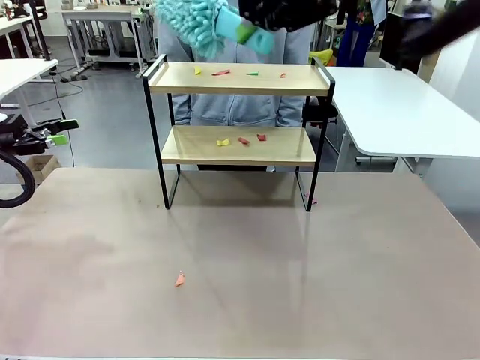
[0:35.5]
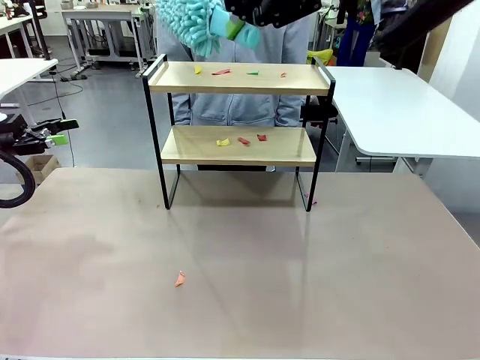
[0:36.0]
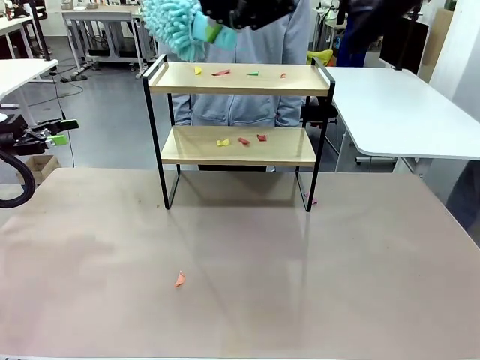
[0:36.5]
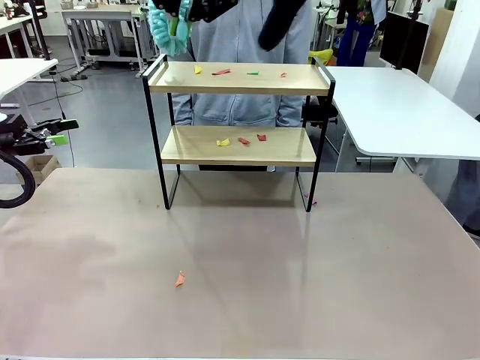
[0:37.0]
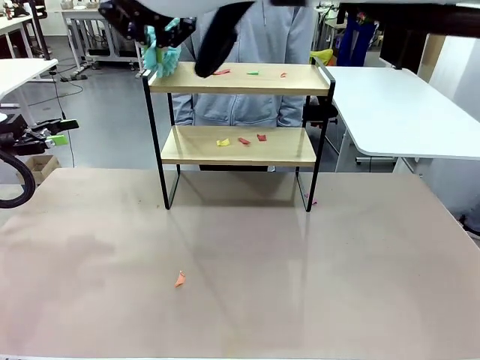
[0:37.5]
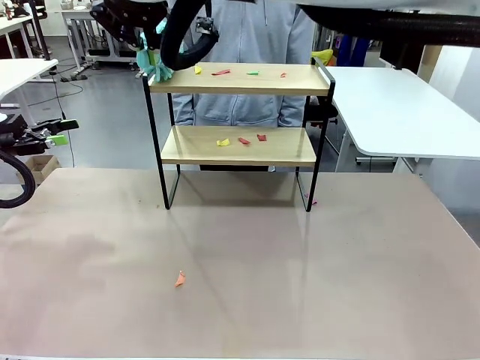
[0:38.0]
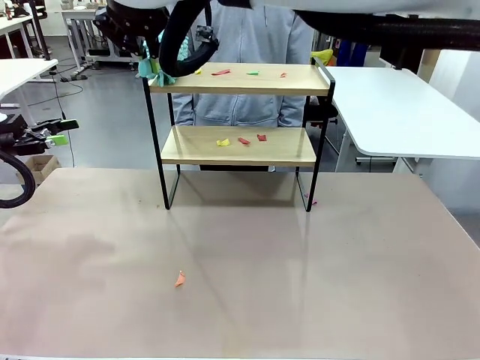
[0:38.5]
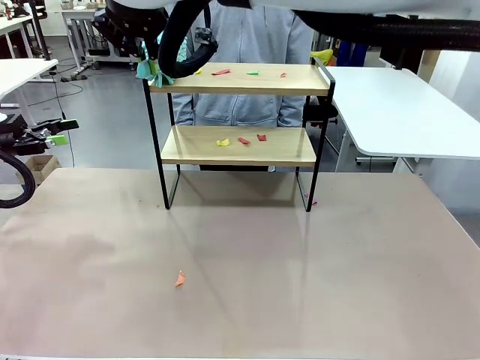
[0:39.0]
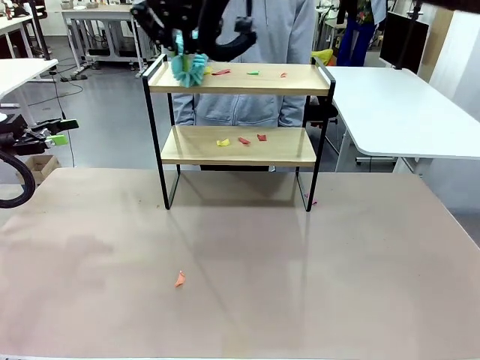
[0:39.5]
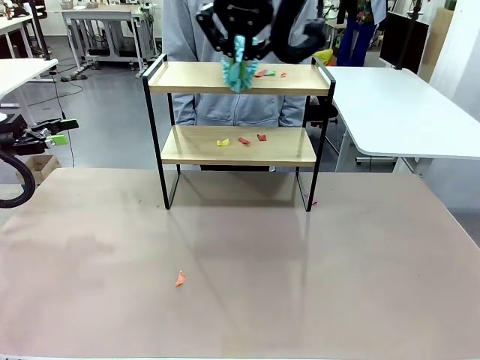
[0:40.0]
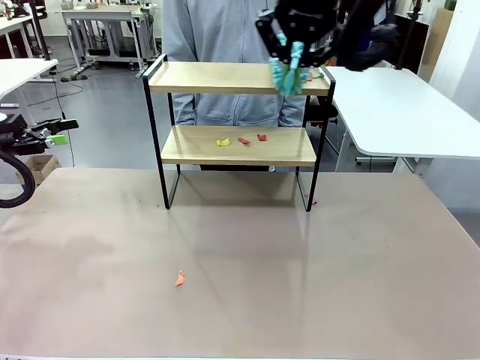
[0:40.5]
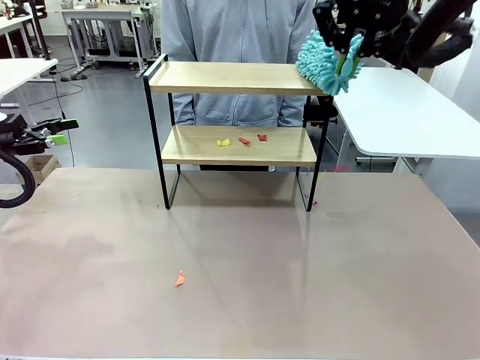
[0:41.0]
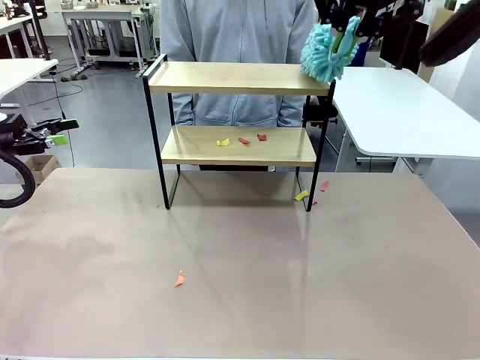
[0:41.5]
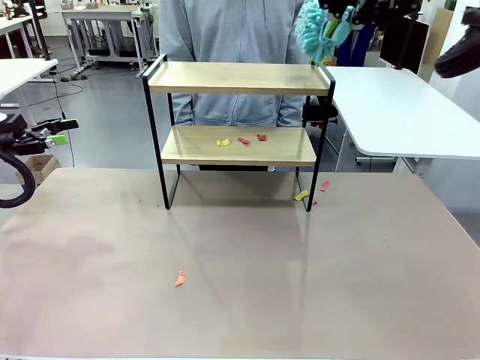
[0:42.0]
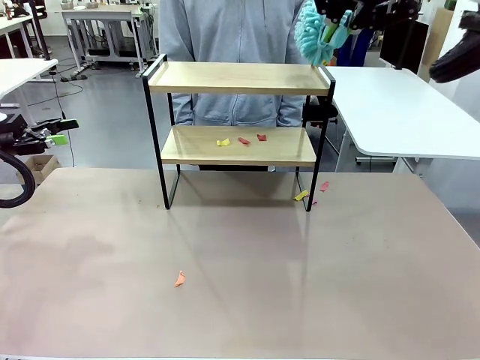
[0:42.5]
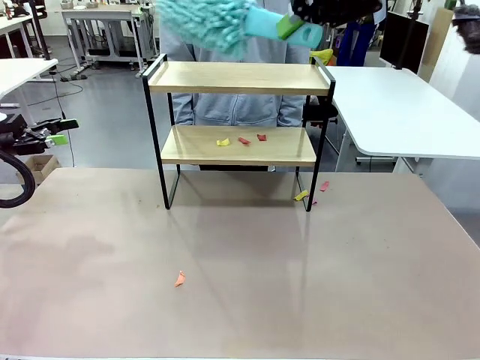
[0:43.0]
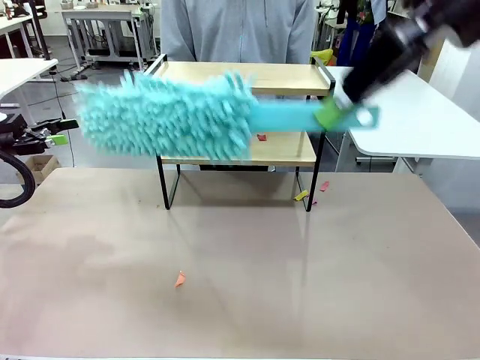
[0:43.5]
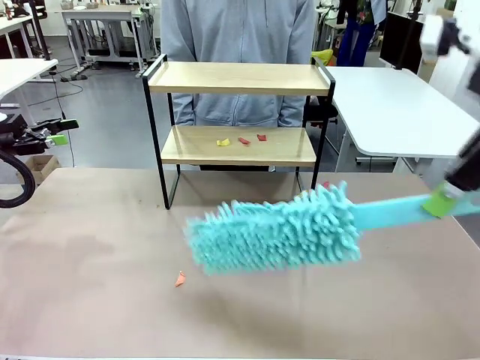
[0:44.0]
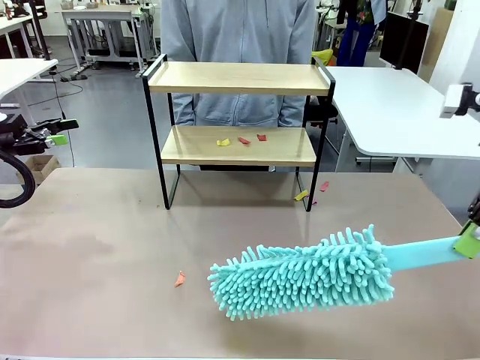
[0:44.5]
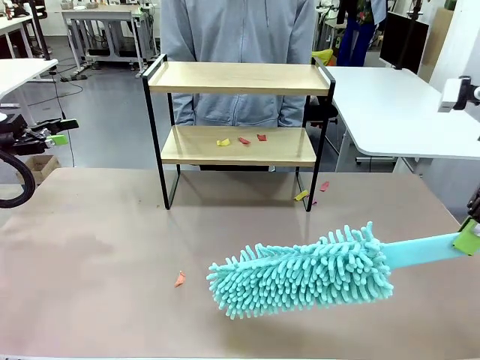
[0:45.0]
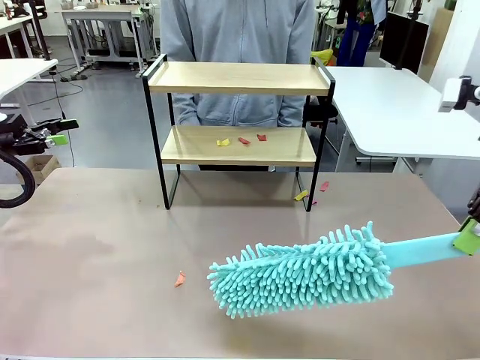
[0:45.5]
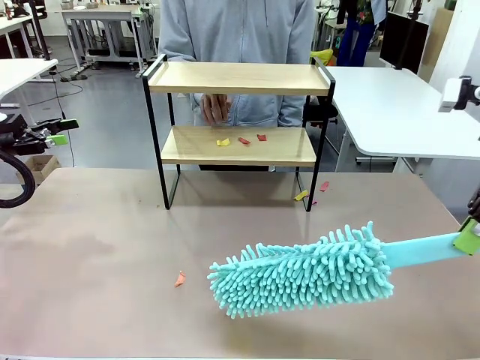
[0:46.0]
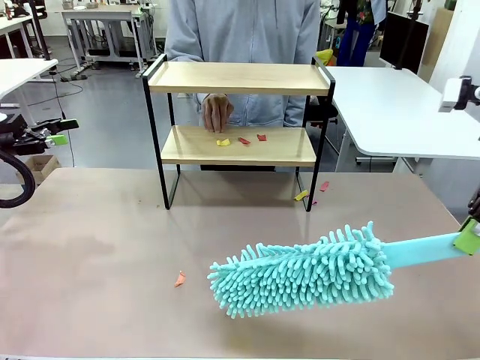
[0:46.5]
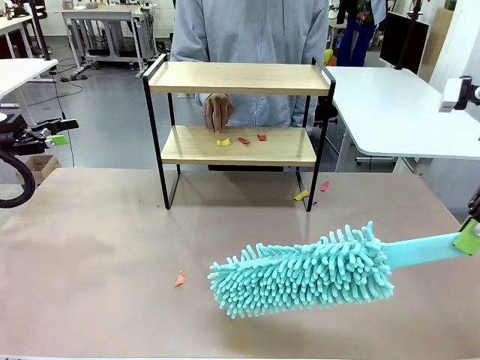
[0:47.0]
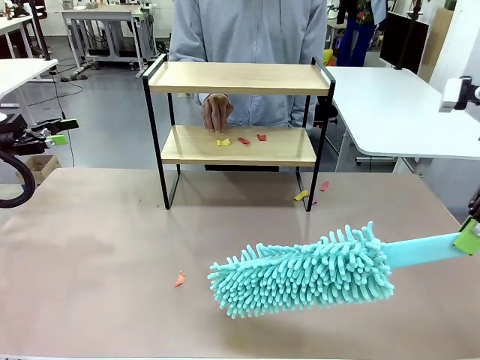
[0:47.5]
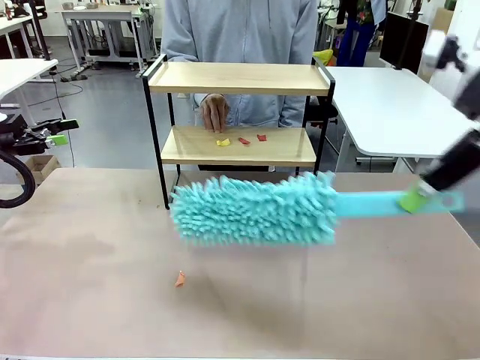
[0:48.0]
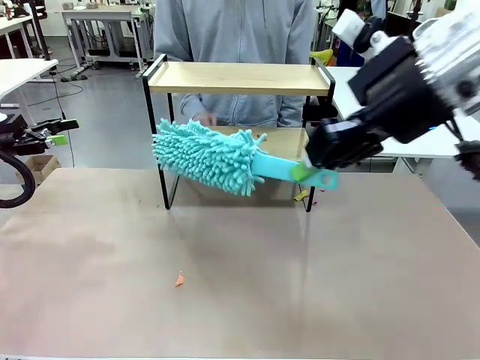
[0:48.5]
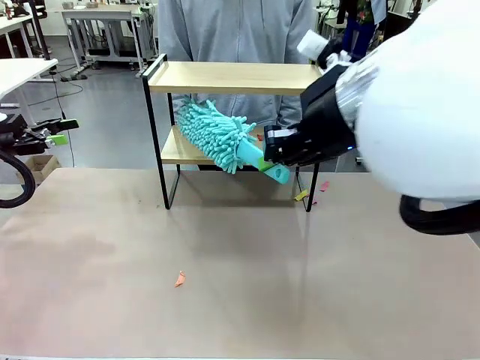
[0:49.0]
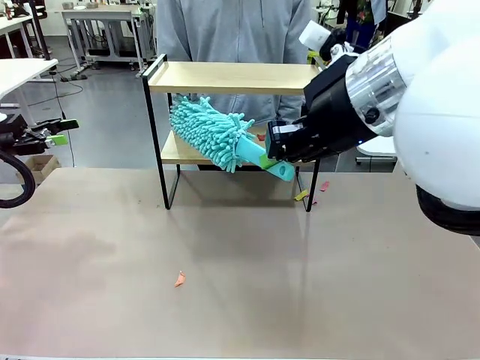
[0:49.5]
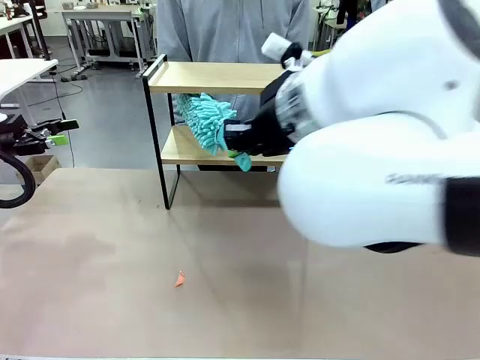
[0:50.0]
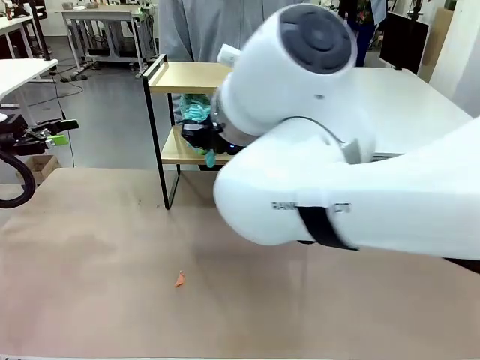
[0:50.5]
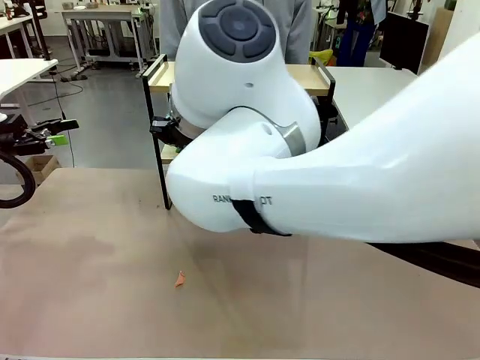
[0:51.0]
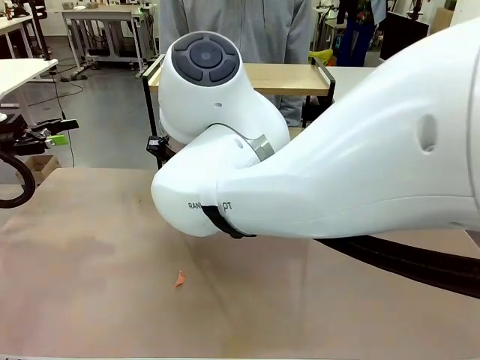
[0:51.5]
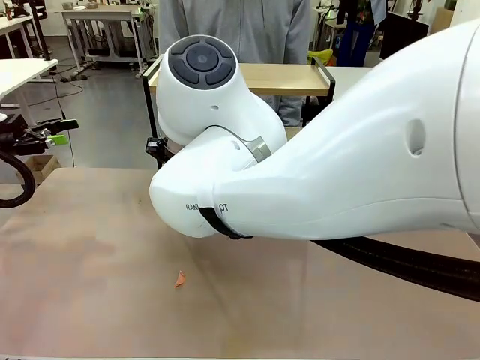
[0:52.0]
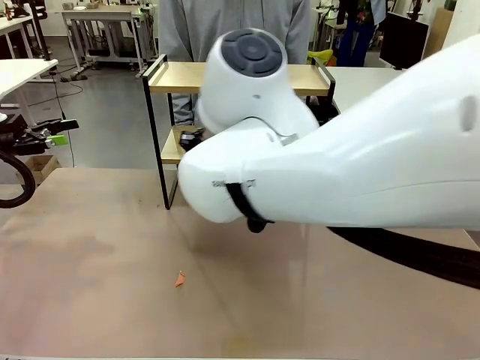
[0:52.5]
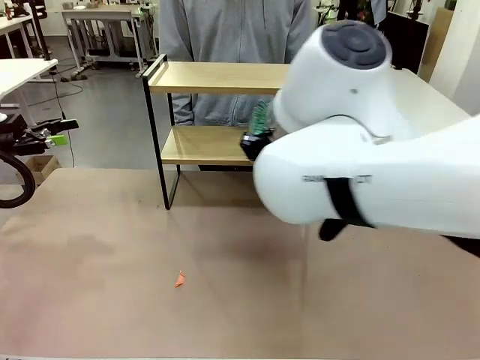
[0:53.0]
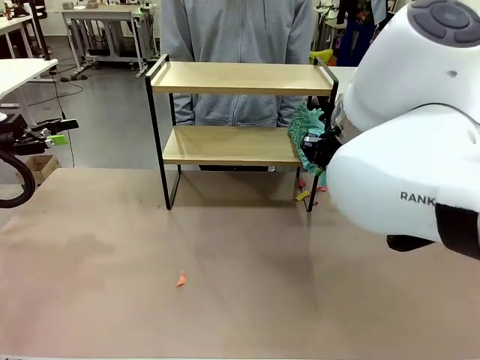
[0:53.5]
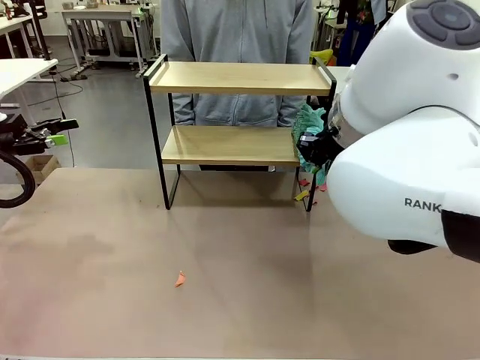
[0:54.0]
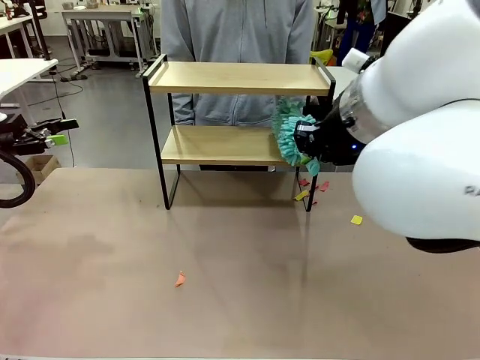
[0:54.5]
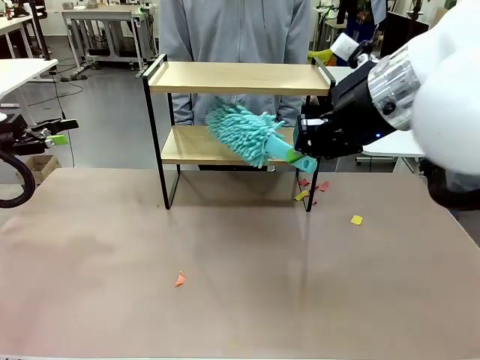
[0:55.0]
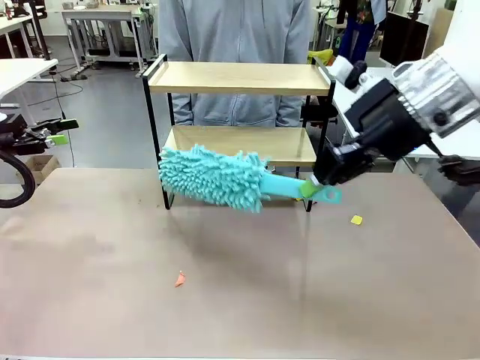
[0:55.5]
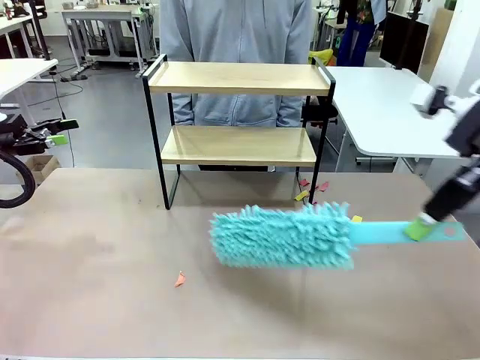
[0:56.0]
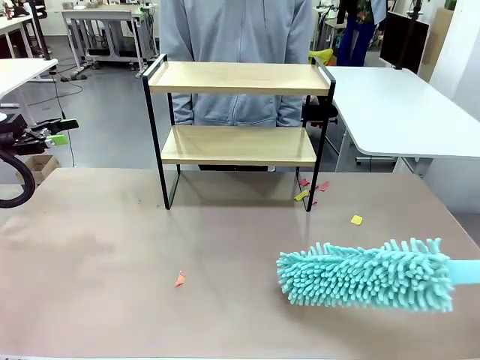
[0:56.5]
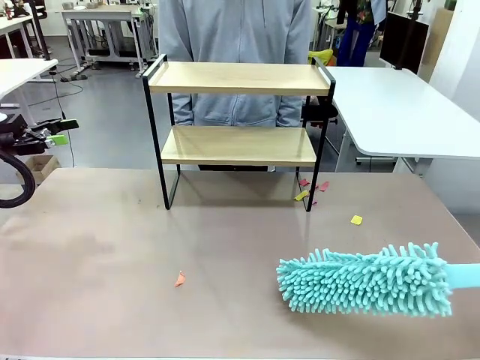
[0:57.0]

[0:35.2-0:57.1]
Task: Clean the shelf.
Robot: Clean the specific section of the Shelf indicated by the human with the Duster.
Person: Point a remaining section of the Shelf.

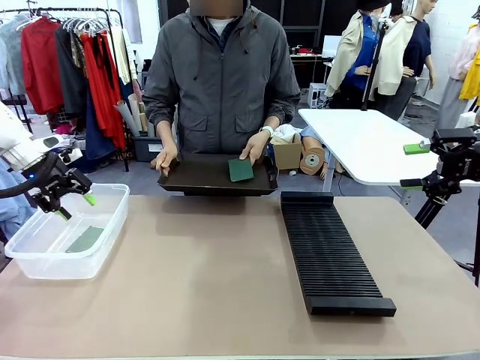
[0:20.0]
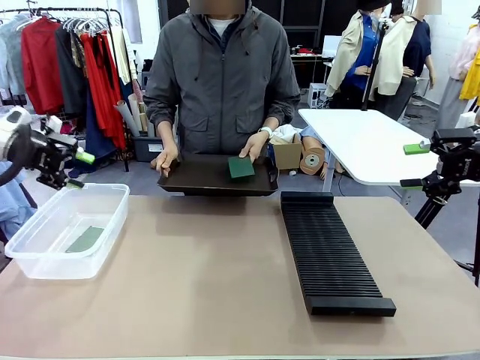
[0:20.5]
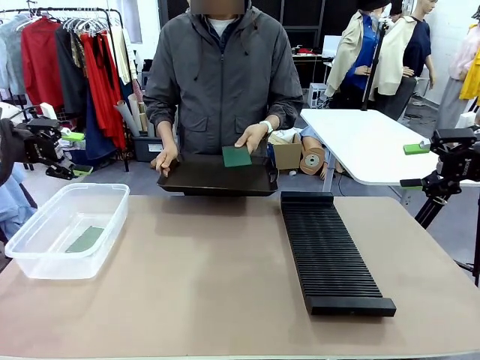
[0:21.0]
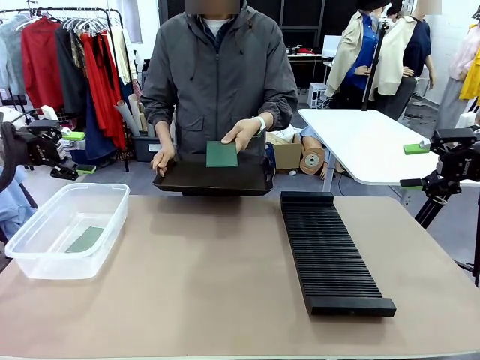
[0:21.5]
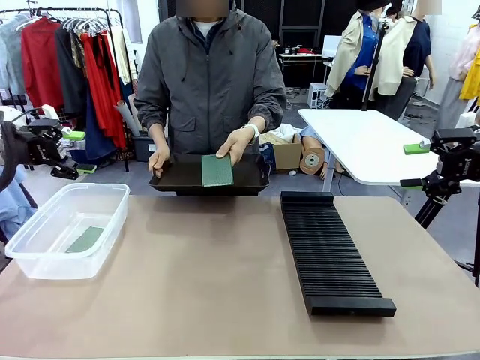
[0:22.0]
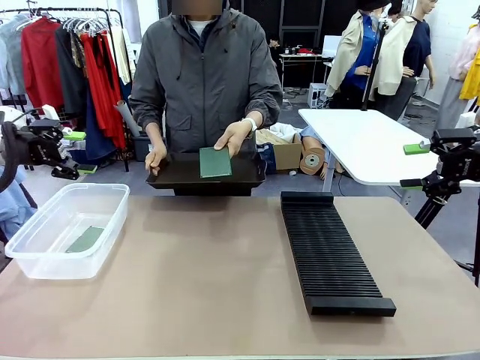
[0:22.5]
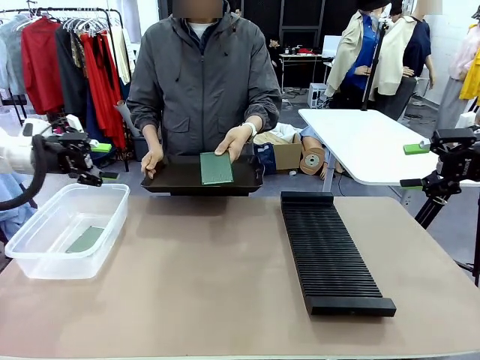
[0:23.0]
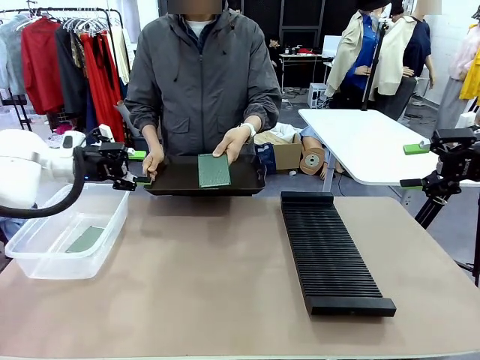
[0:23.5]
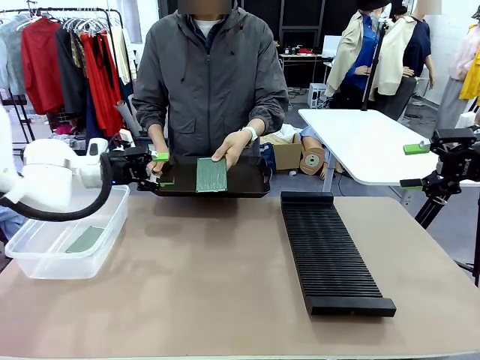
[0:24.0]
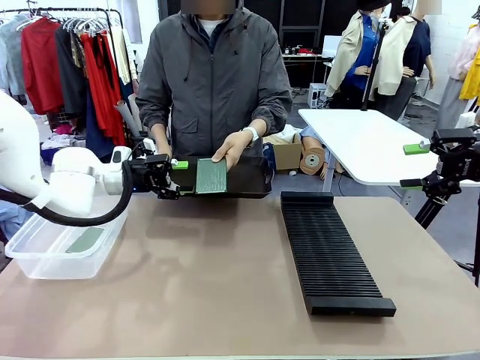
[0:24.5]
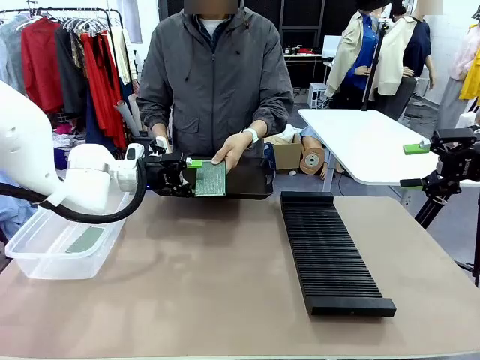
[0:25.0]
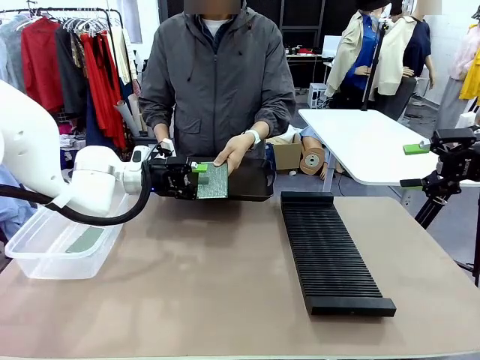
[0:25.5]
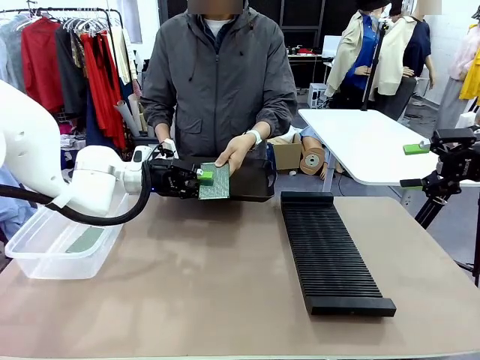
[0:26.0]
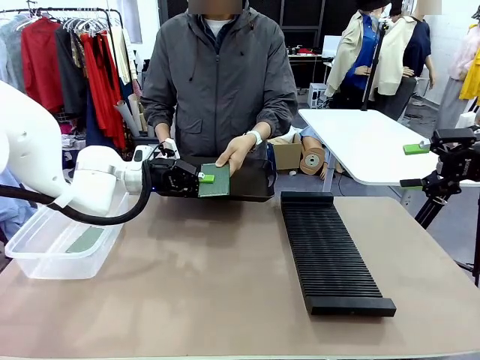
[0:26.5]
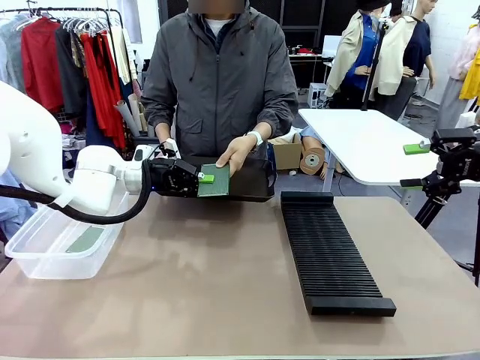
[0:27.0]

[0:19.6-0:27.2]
Task: Sort PCBs into racks and boxes based on the side picked up.
Robot: Pick up the Blank PCB handed by the Human.
